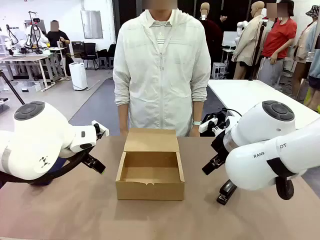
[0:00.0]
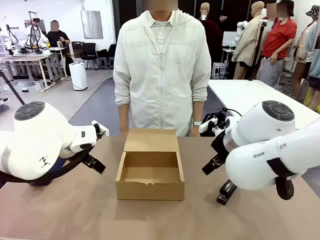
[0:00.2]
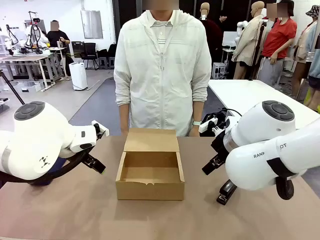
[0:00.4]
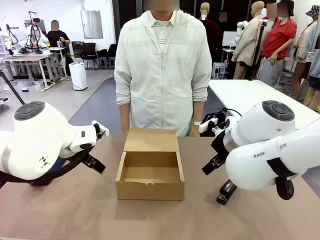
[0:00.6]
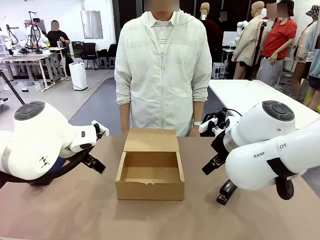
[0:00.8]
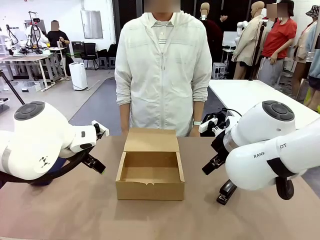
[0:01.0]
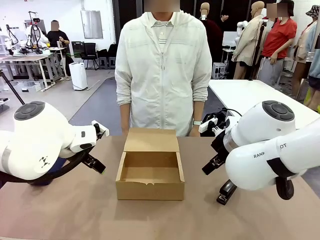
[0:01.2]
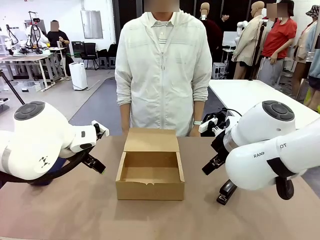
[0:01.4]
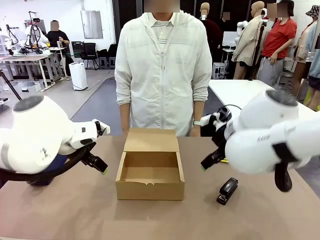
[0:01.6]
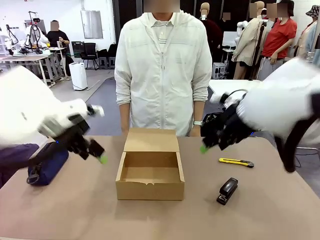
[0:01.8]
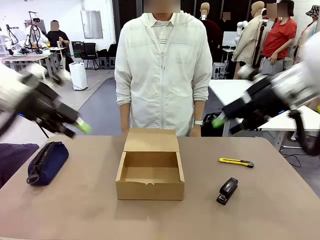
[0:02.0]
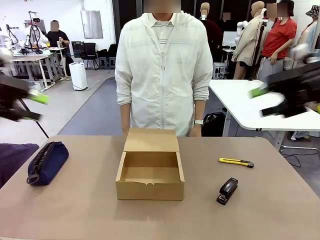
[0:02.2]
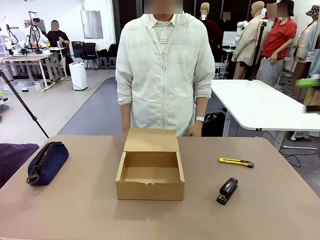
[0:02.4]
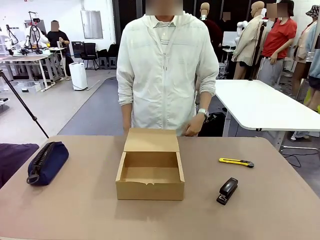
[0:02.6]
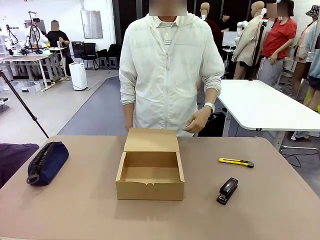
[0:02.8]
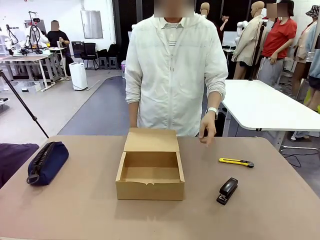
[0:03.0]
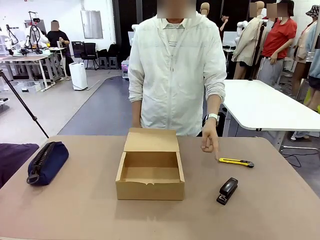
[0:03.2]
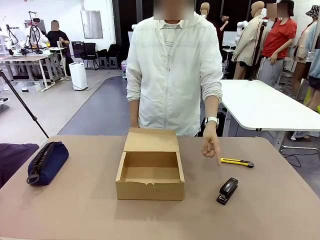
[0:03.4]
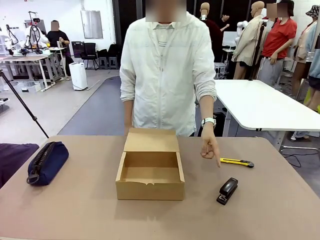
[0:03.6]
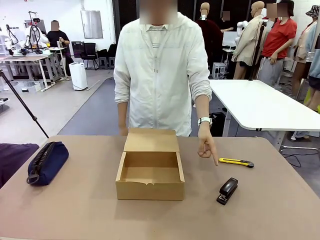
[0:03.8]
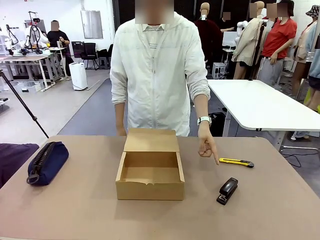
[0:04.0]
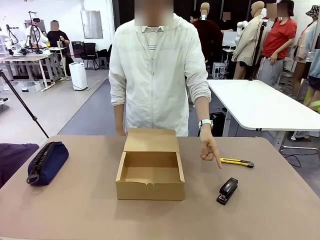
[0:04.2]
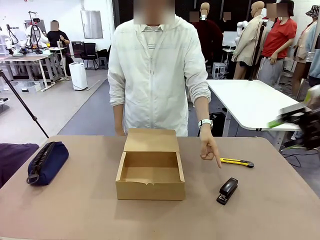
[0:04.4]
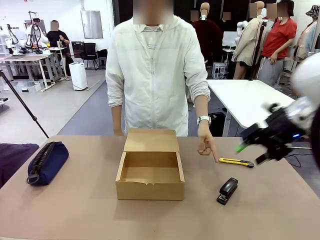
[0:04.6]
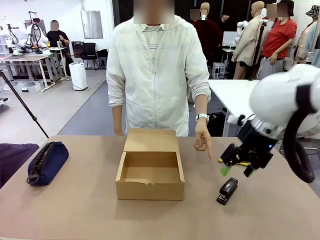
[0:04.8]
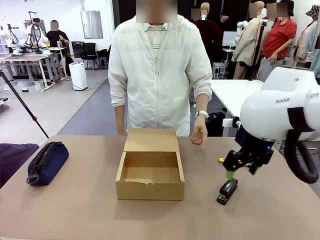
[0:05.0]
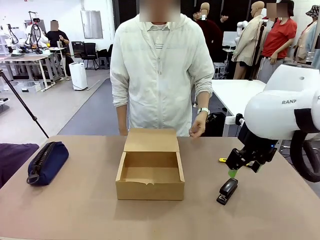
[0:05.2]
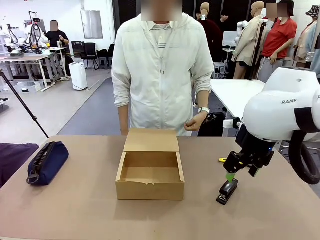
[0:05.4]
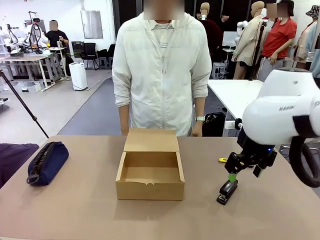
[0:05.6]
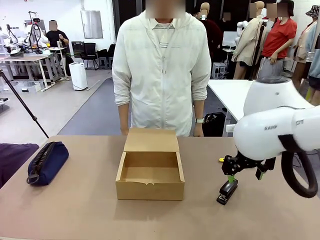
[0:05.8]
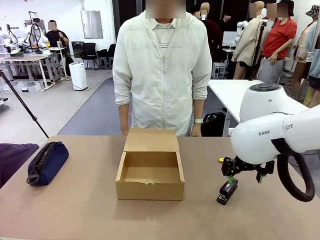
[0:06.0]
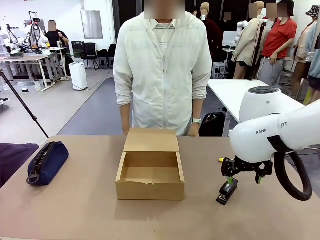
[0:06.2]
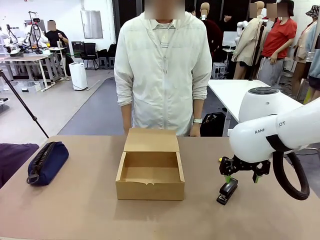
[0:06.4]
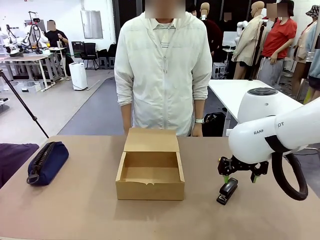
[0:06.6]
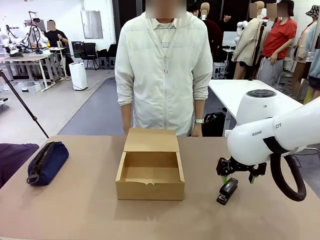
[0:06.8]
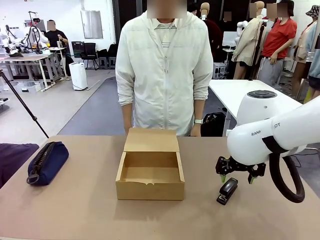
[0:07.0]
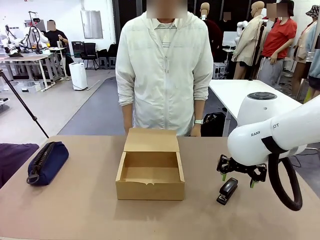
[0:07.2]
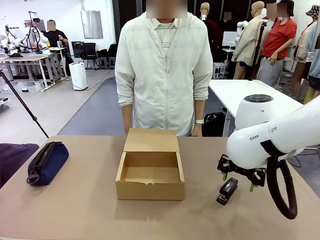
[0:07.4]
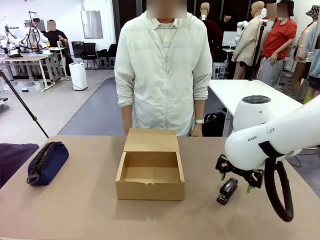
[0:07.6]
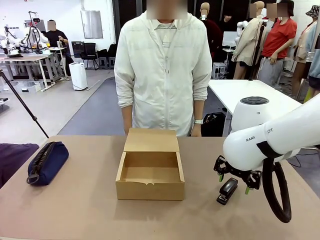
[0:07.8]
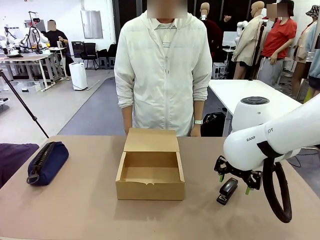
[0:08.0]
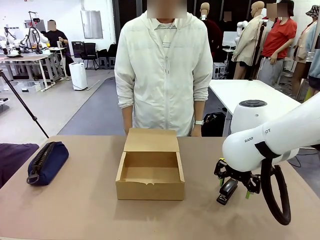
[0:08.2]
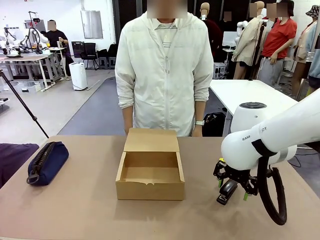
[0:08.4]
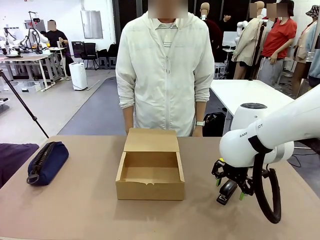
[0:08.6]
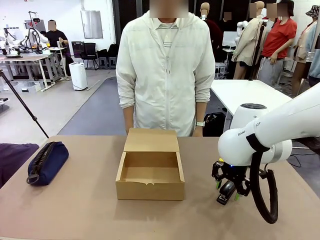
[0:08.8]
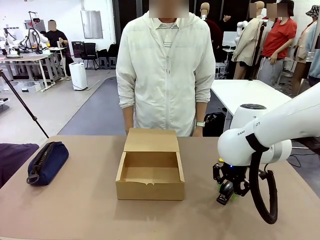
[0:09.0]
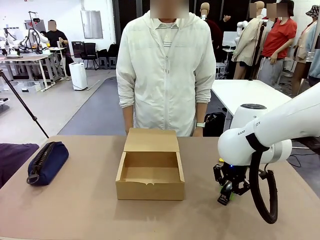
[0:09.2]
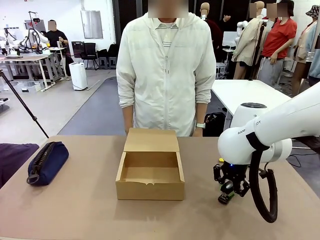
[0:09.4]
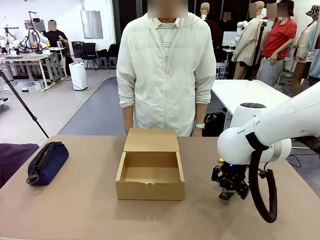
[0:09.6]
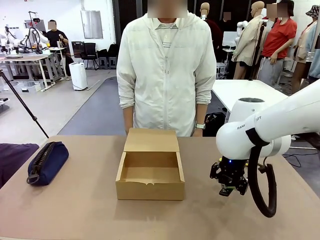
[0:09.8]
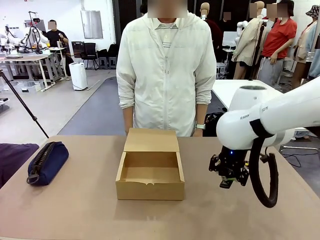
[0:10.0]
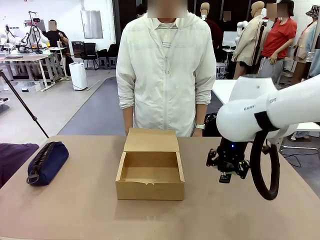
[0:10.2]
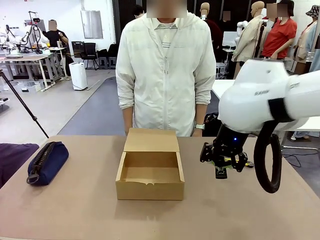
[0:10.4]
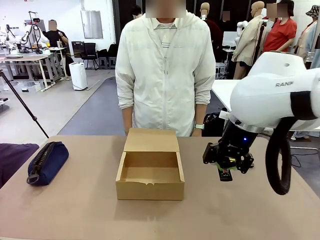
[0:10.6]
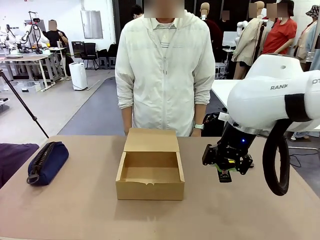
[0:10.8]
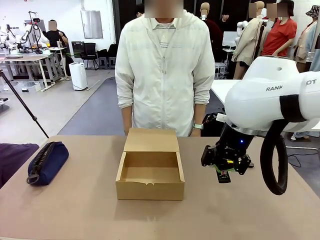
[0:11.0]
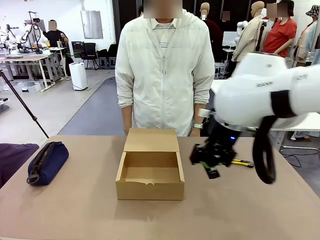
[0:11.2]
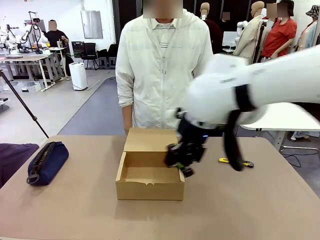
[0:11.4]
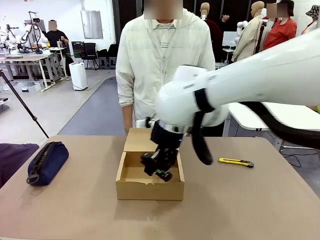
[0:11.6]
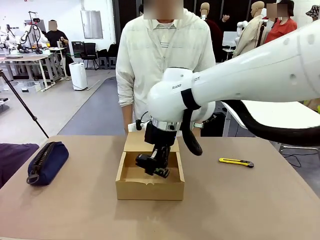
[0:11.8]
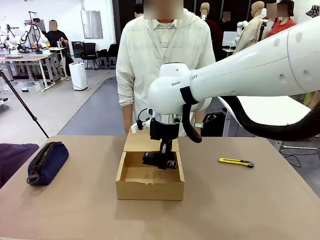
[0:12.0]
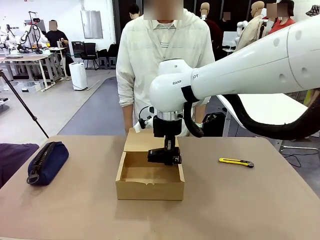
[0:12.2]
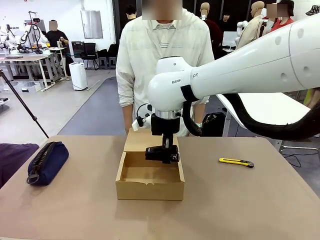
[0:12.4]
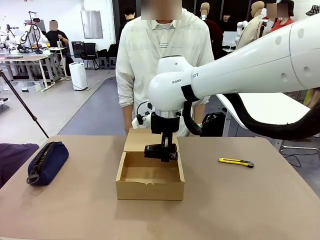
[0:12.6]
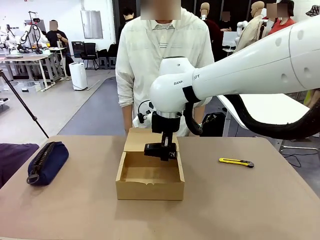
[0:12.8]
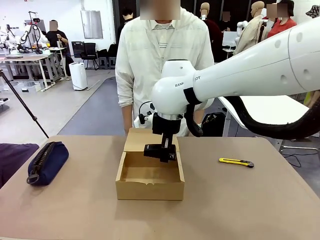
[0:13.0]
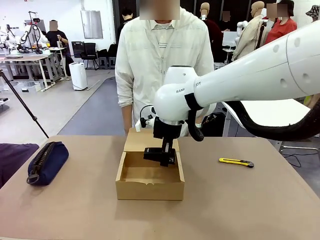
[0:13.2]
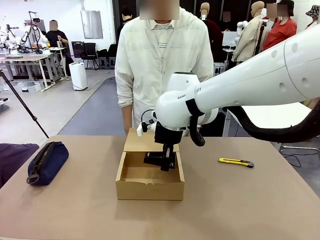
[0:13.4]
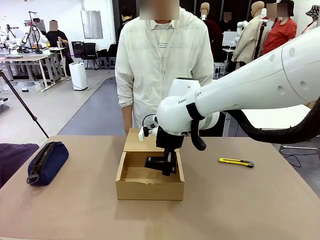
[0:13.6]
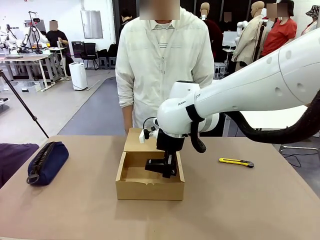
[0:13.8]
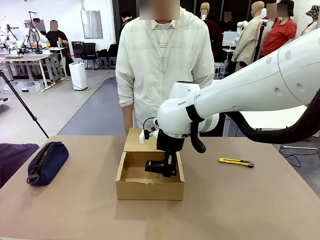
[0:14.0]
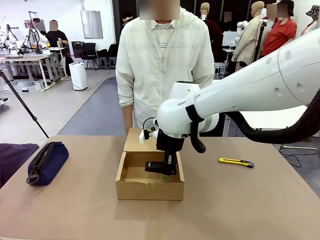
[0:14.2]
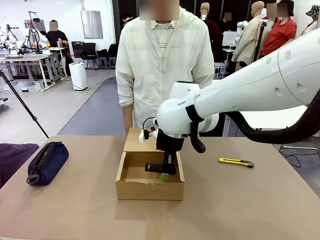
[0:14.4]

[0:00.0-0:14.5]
Task: Pack the items into the box.
Robot: Pick up the item specified by the human and place it in the Mailer Box.
Person: Point at one item on the table (excluding the box).
